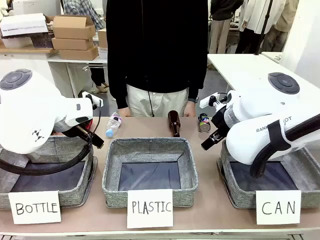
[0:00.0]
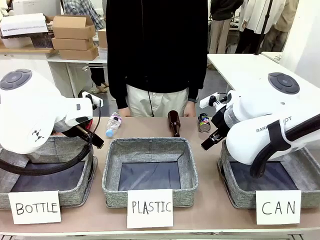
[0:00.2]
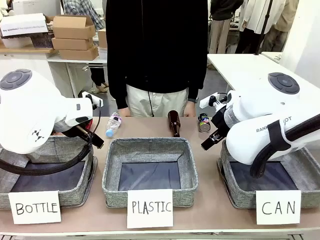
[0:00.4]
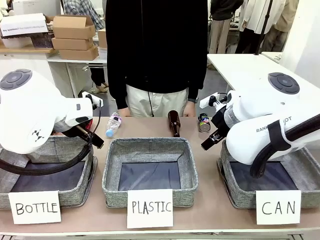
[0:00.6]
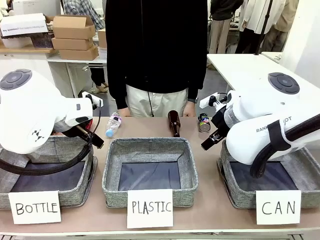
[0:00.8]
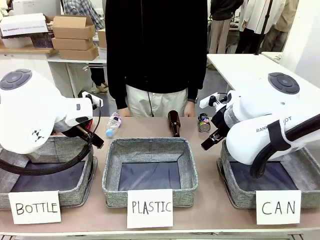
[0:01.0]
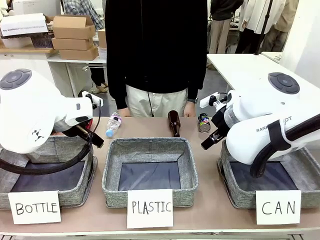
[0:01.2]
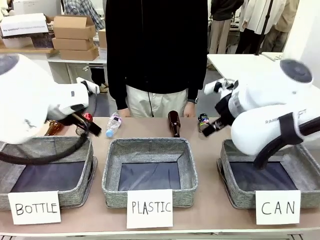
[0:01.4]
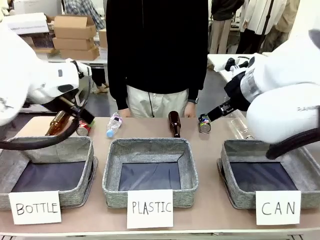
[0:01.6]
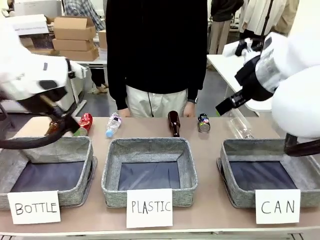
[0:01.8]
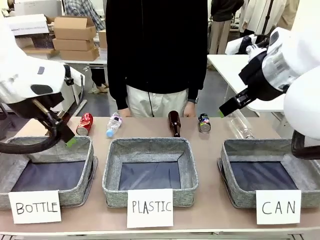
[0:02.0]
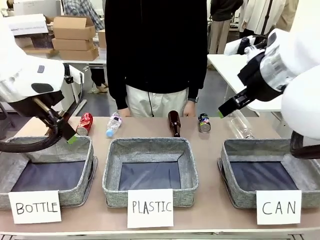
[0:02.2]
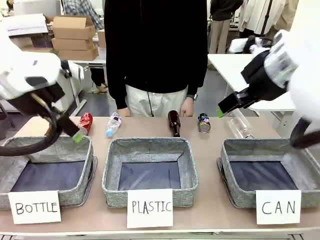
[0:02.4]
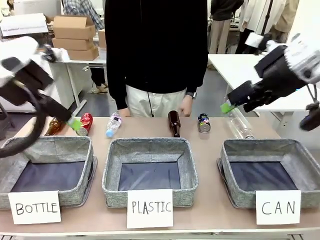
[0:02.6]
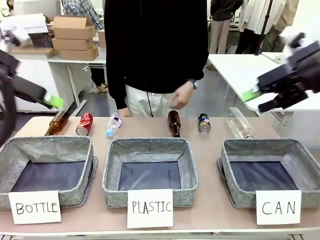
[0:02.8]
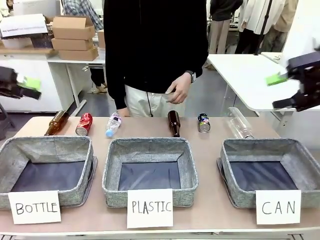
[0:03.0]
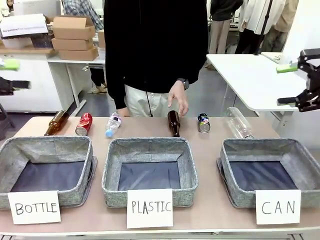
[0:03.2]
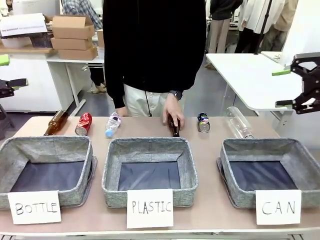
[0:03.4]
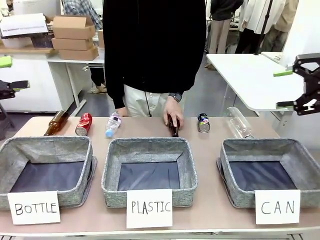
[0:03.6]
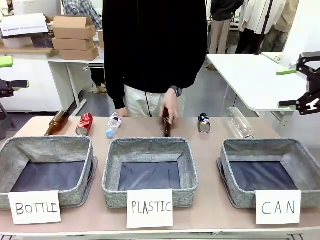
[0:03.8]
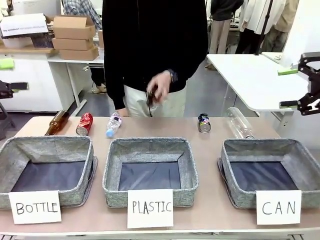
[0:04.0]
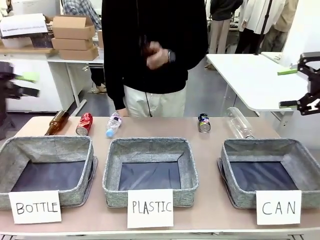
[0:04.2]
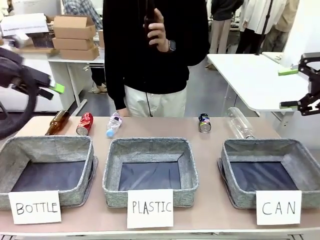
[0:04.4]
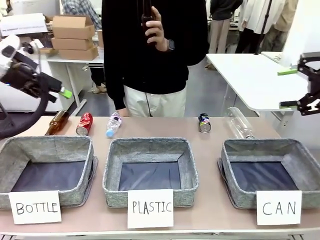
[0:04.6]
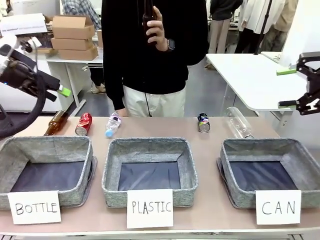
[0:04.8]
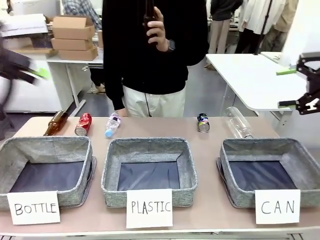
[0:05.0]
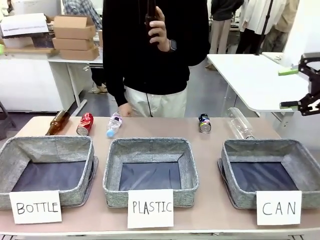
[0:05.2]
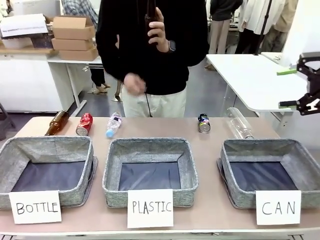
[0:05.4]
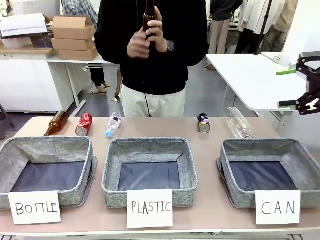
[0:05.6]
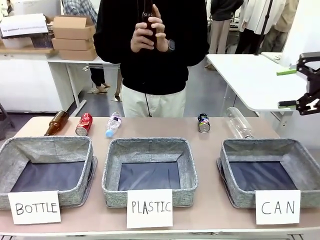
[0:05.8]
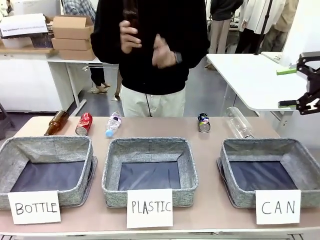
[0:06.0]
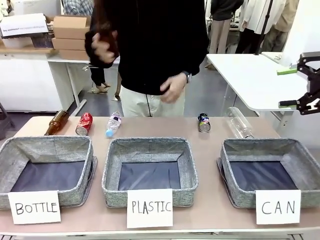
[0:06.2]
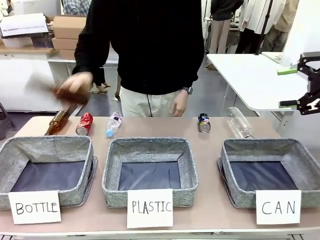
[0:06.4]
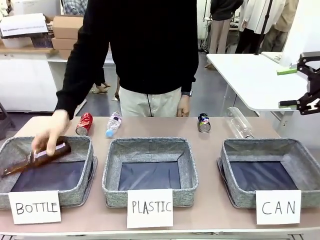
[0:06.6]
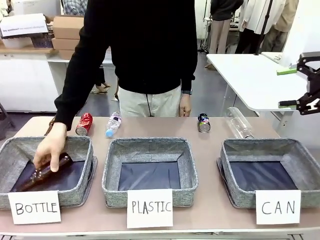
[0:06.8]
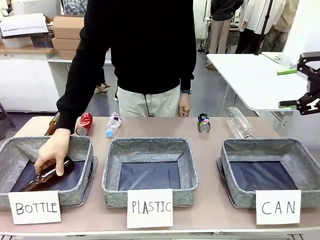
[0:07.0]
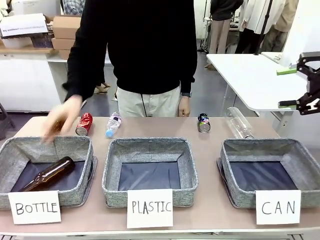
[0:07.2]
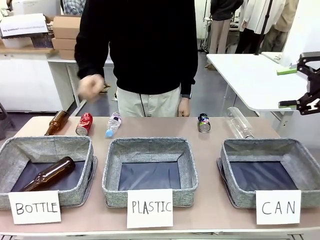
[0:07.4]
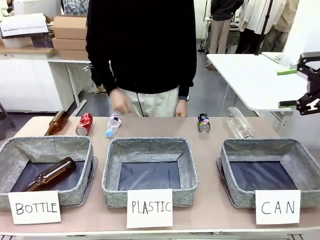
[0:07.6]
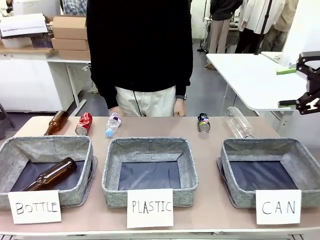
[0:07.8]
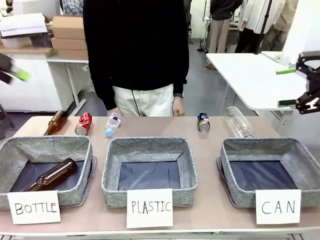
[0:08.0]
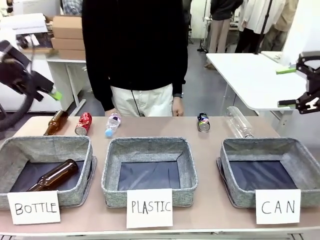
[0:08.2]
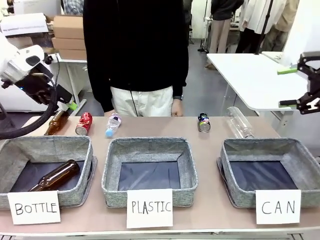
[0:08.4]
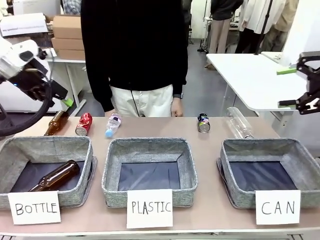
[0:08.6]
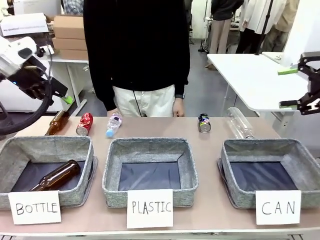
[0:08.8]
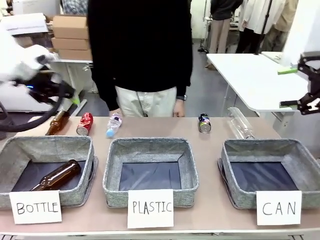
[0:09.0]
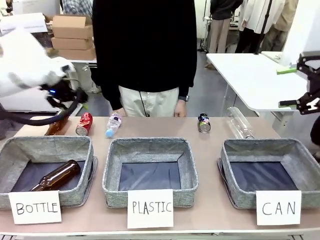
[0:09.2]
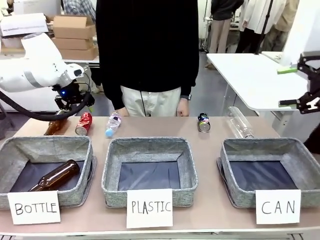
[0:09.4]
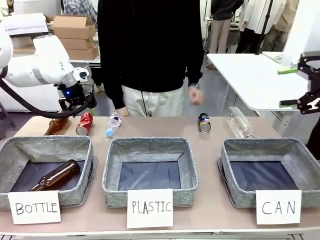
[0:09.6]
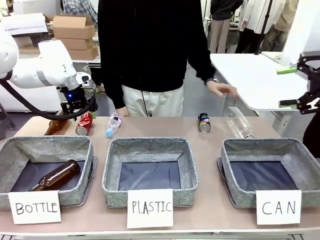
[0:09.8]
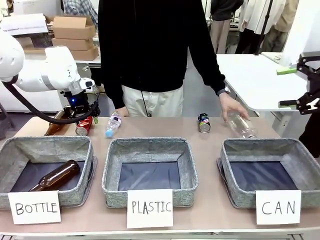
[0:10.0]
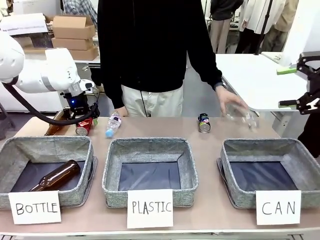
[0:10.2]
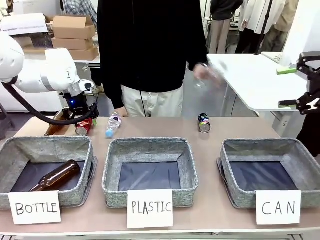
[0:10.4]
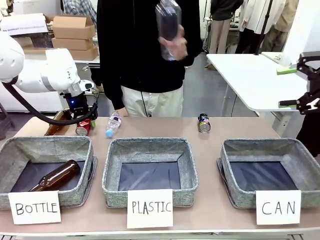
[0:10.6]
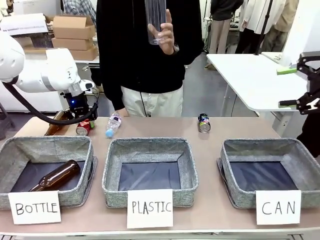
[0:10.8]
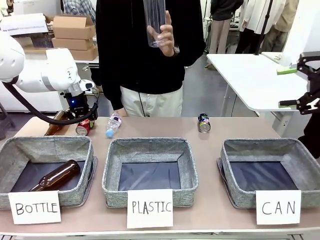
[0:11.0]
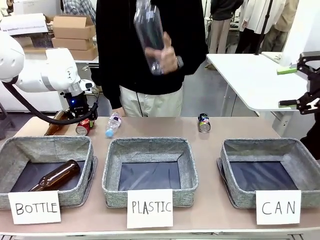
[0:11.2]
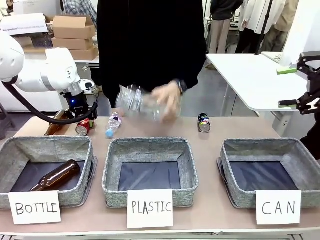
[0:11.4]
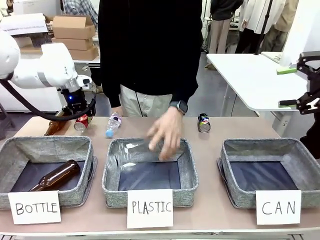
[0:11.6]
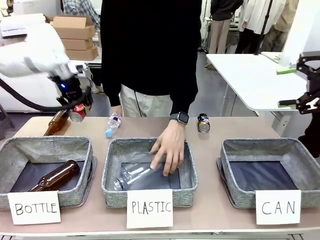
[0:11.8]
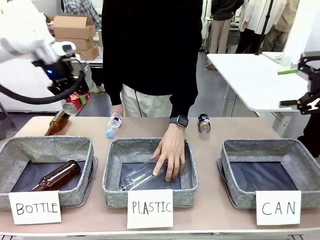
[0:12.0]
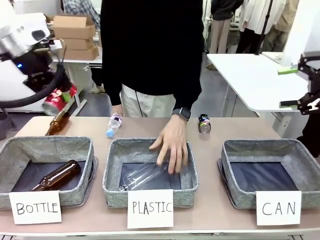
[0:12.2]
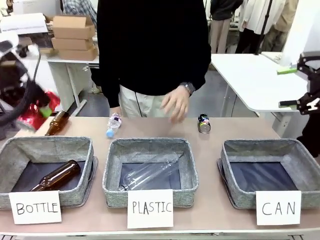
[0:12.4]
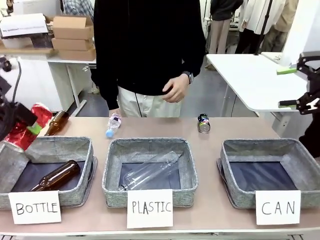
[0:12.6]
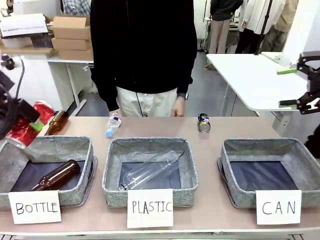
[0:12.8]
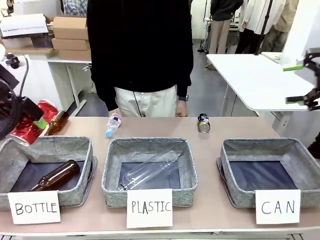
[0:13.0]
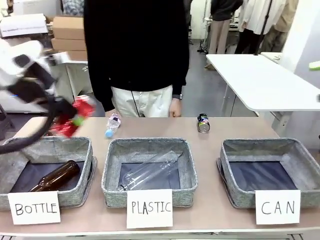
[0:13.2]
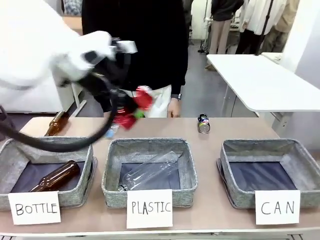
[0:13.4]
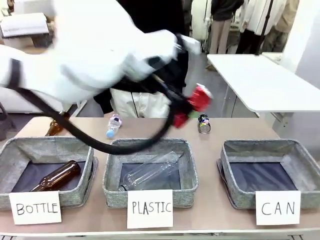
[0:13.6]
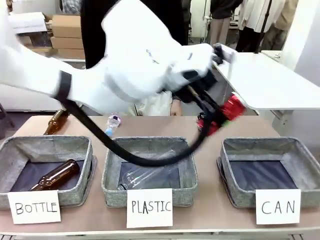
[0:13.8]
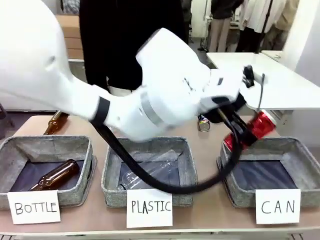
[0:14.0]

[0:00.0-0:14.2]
Task: Sort the can waste into the basket.
Robot: Pick up the can waste from the table and place it in the right Fabric basket.
